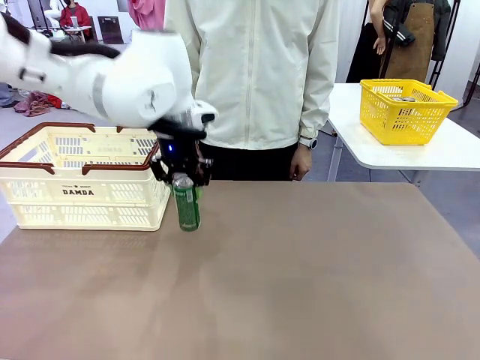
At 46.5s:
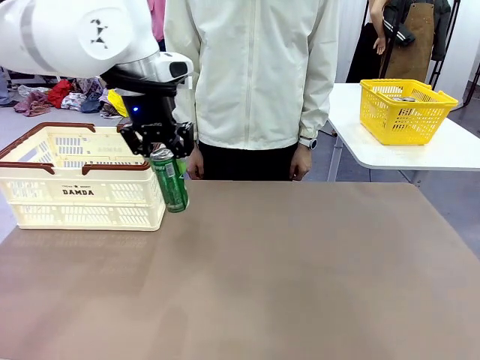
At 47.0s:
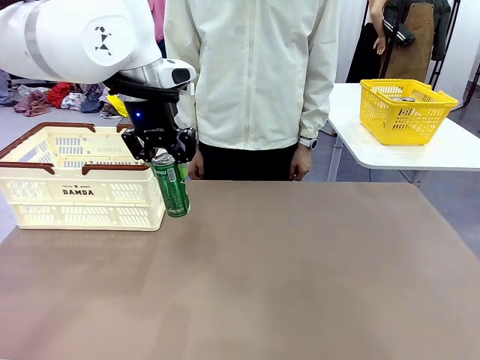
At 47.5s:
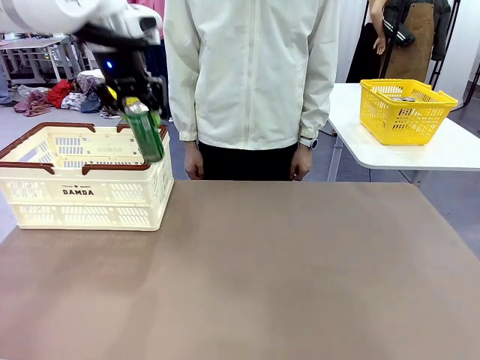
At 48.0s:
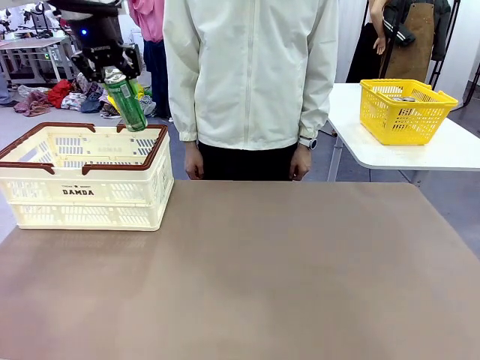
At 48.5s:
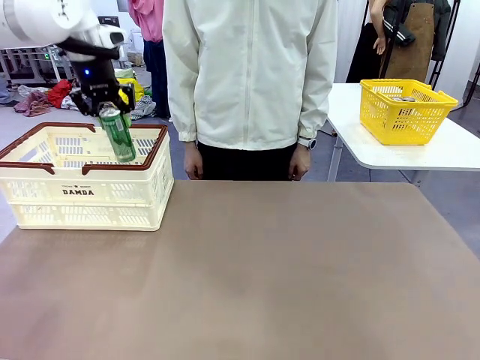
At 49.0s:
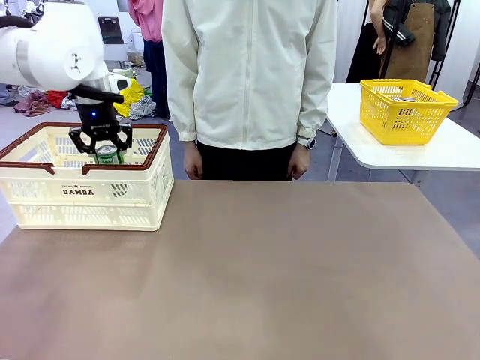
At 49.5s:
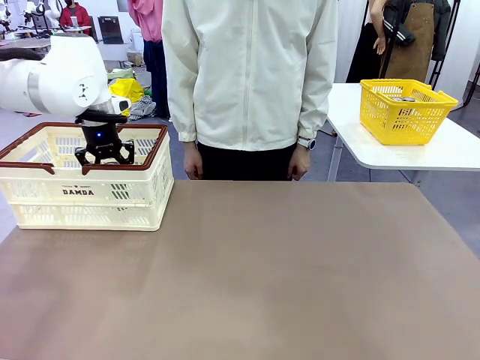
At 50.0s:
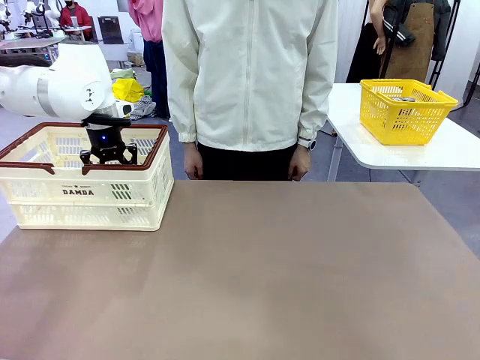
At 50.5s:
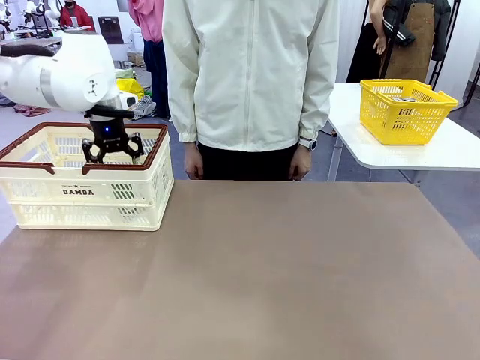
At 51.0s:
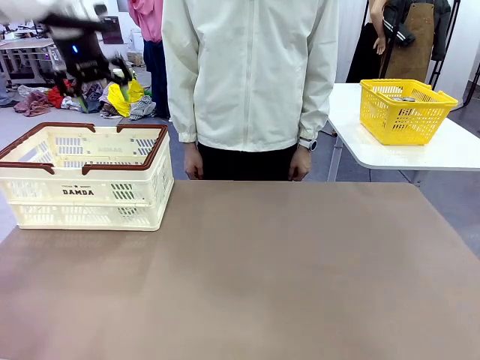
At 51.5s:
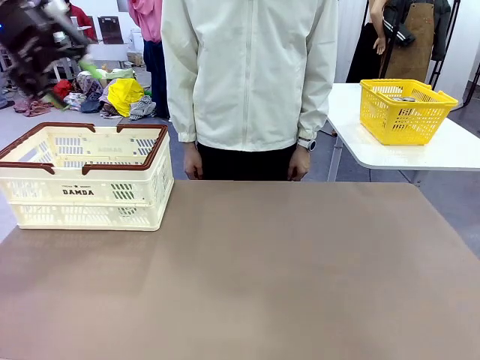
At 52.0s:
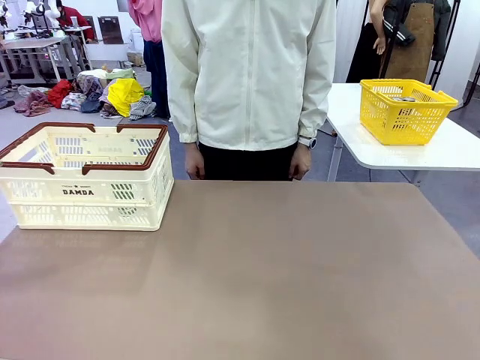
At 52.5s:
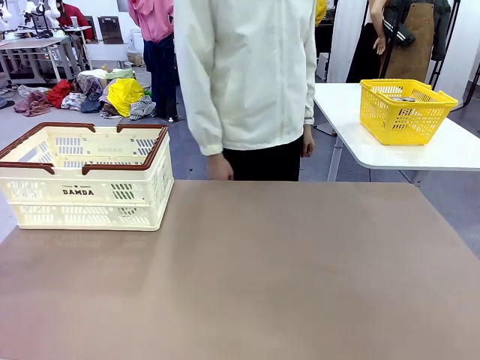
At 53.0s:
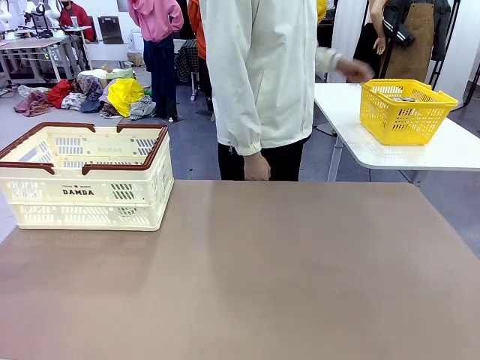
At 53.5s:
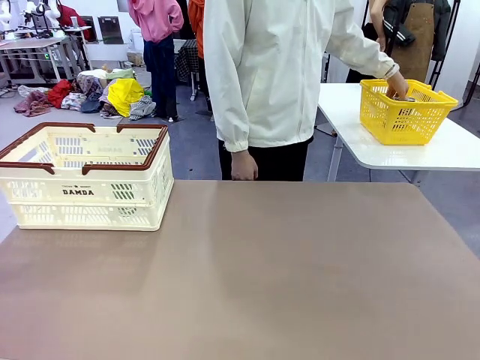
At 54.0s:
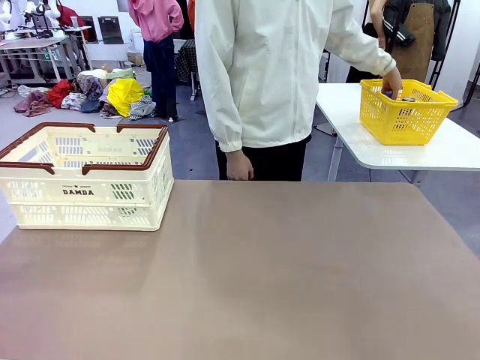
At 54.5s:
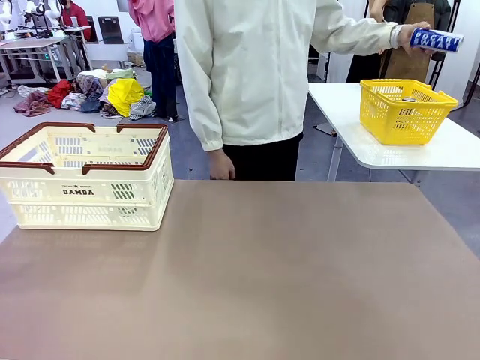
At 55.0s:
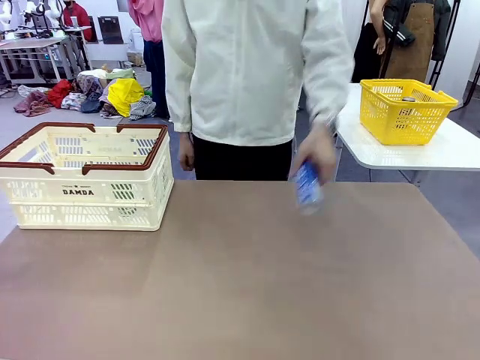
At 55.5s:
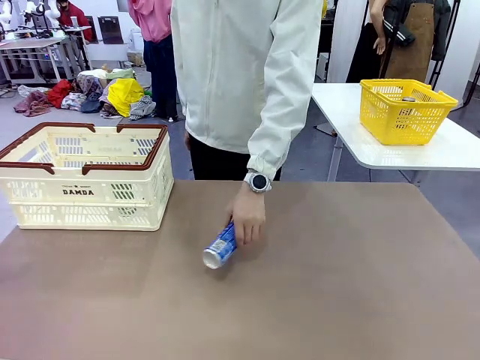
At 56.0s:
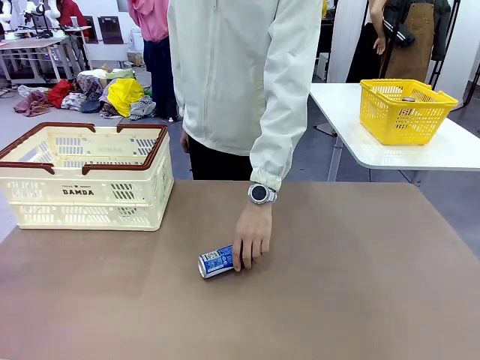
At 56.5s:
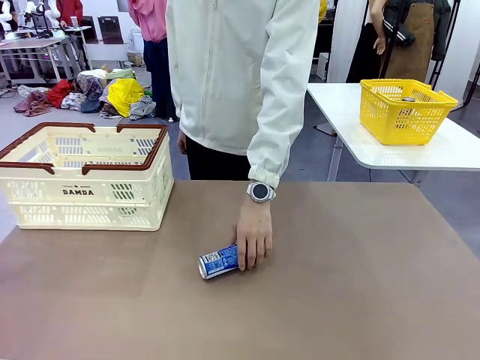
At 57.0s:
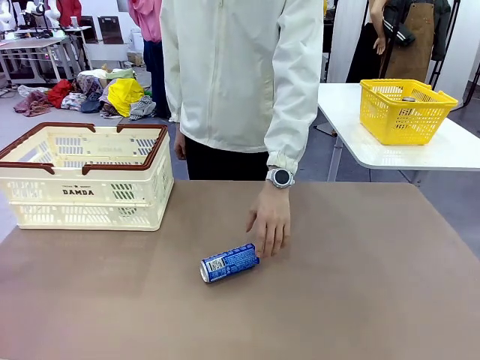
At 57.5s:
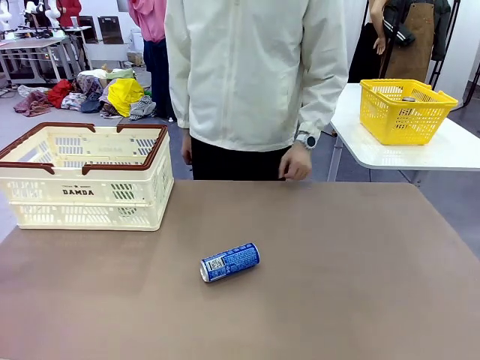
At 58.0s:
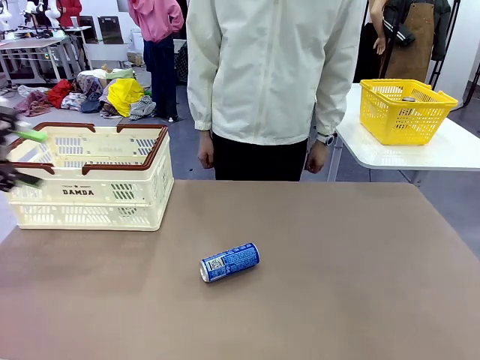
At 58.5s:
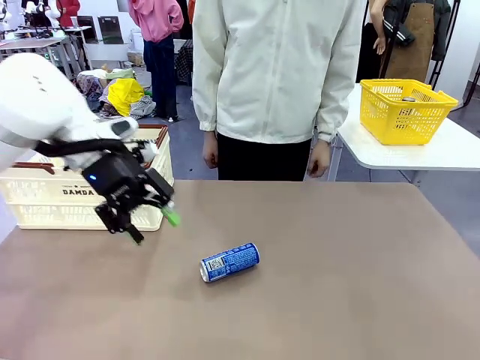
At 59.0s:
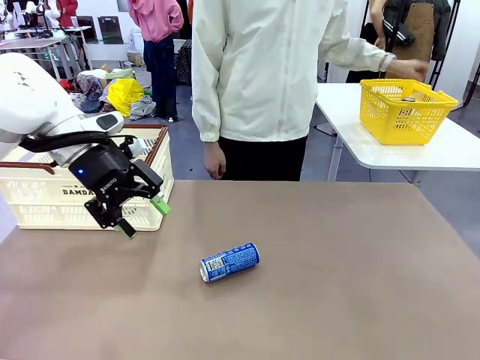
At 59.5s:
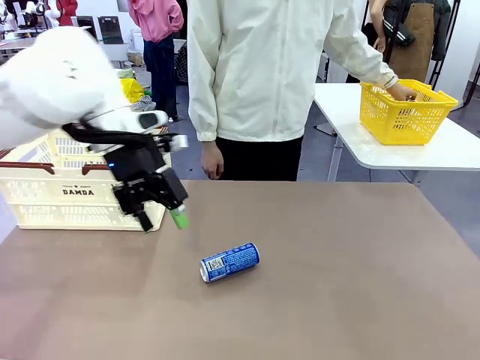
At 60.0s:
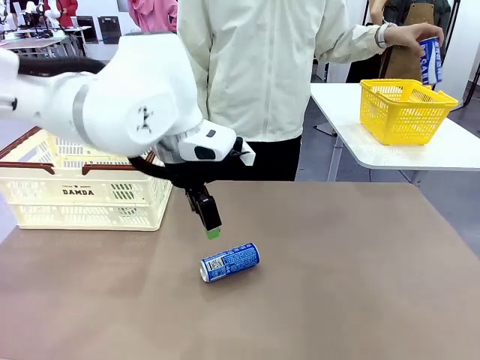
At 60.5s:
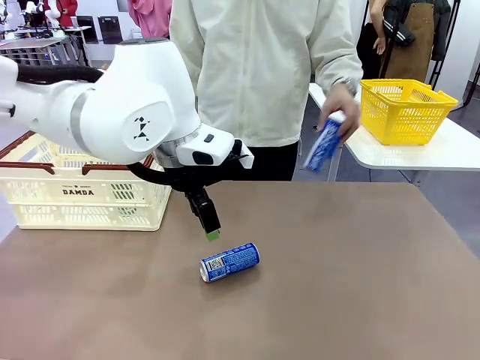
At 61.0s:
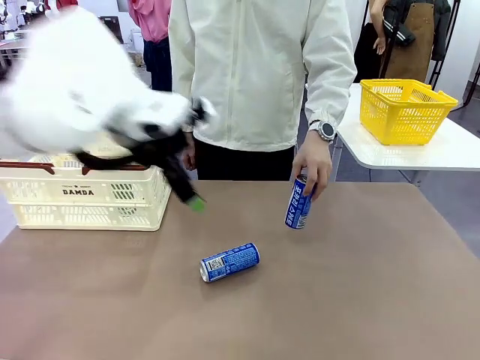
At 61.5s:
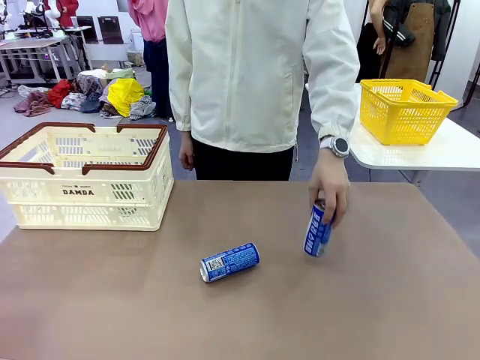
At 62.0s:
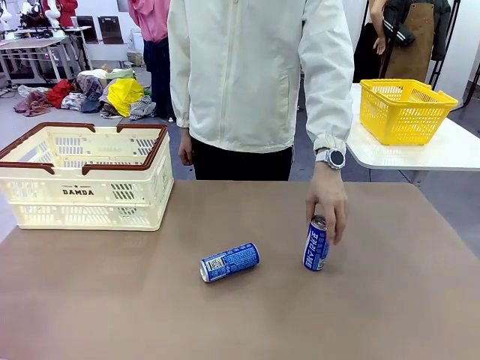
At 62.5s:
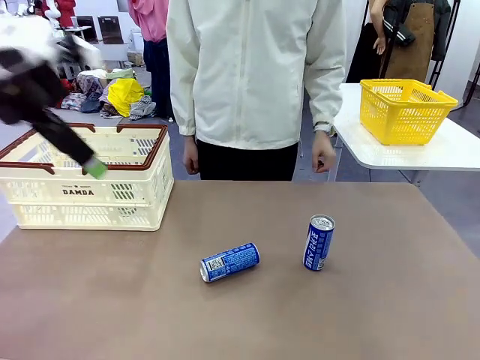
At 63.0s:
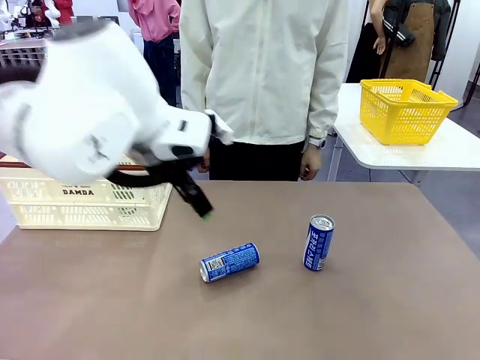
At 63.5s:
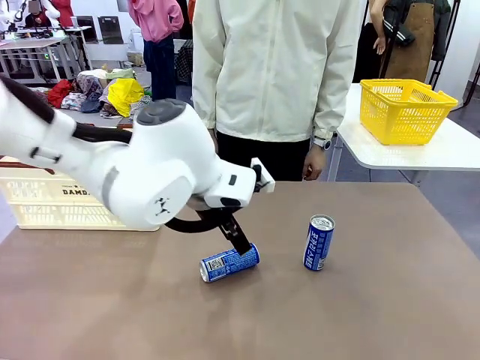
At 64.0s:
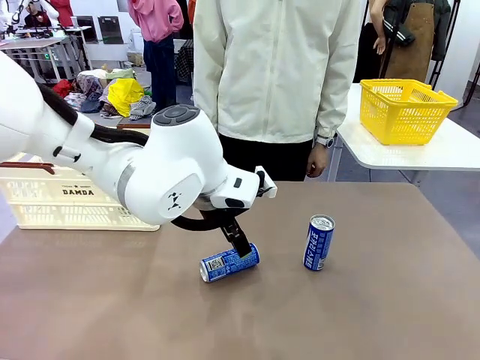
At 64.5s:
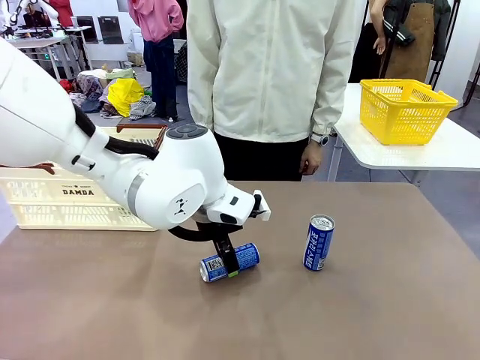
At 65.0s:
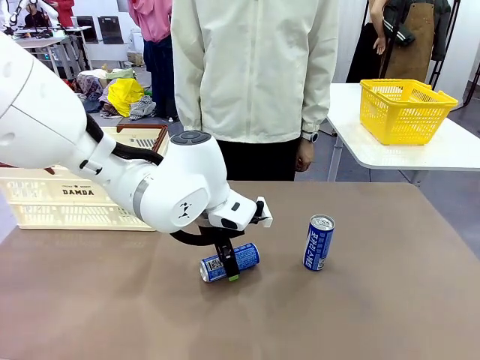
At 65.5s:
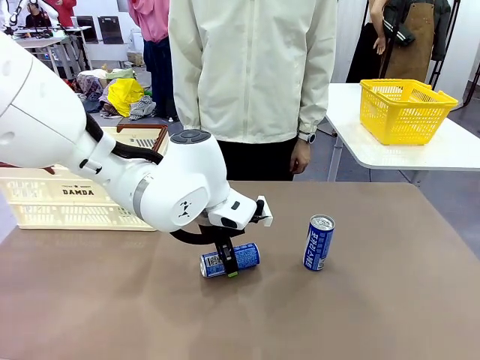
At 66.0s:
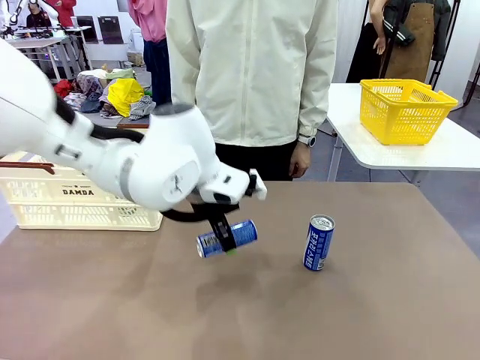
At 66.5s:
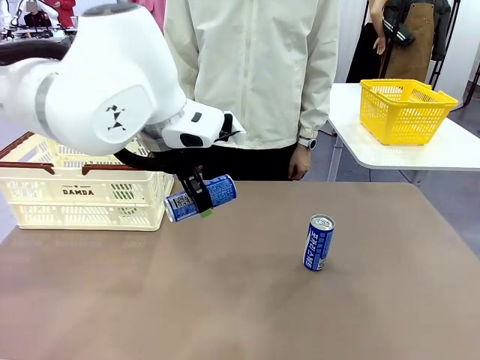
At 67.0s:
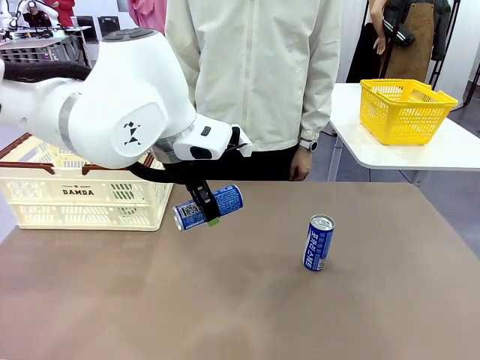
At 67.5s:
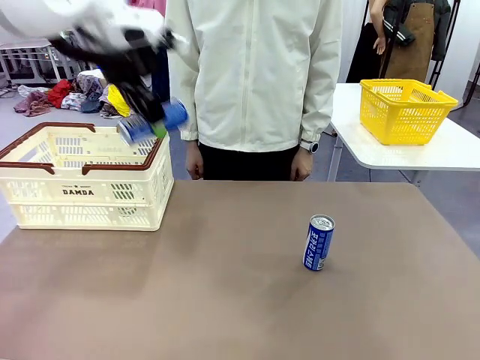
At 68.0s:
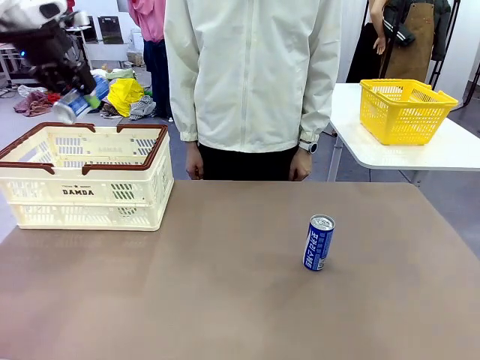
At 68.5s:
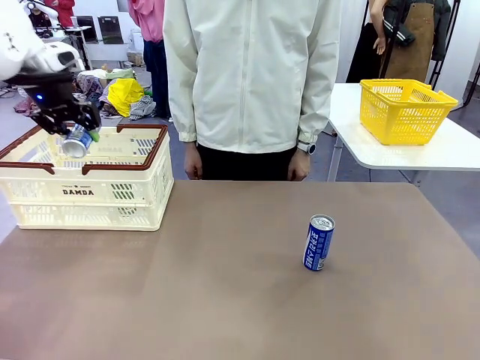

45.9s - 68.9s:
Task: Place the drinks into the Shopping basket.
Robot: Pick up one drink and place it into the Shopping basket.
